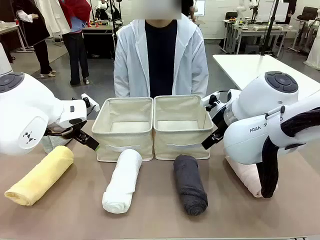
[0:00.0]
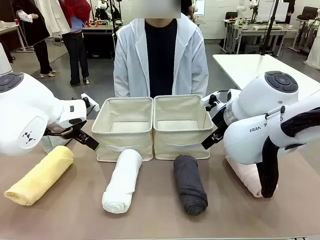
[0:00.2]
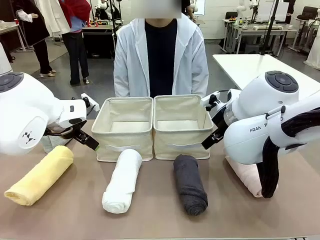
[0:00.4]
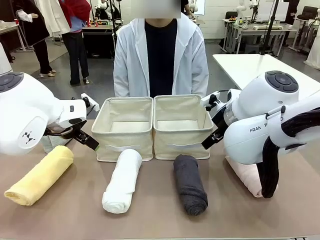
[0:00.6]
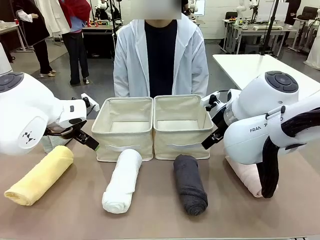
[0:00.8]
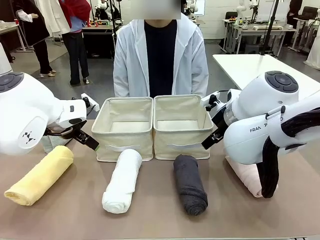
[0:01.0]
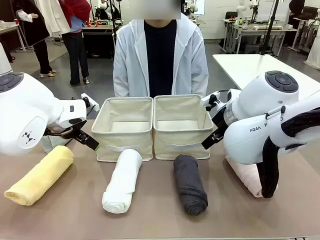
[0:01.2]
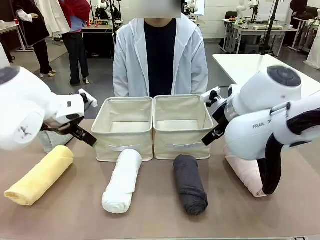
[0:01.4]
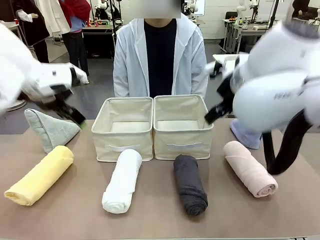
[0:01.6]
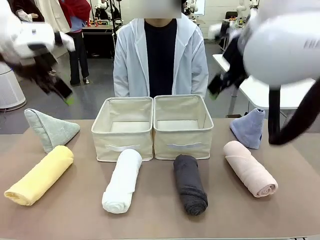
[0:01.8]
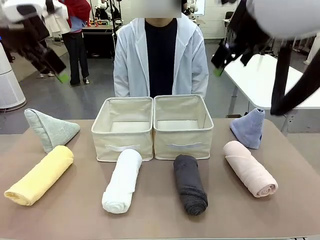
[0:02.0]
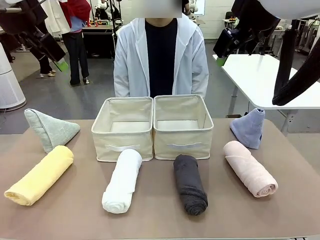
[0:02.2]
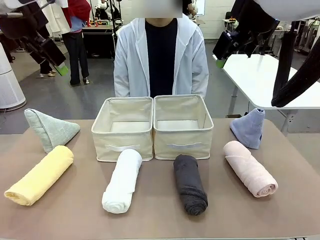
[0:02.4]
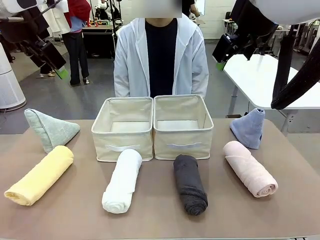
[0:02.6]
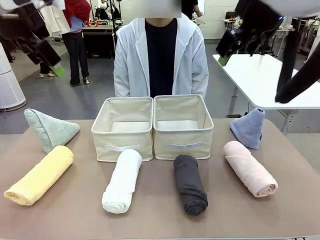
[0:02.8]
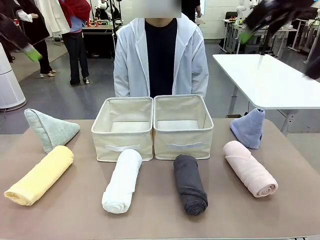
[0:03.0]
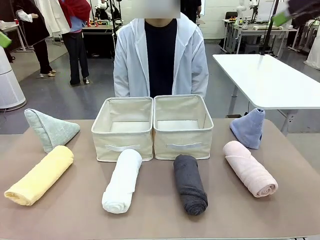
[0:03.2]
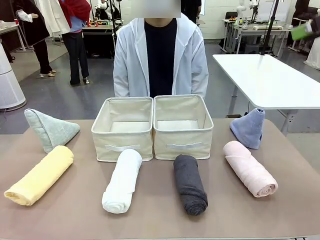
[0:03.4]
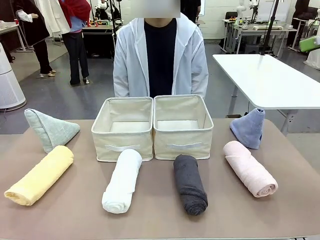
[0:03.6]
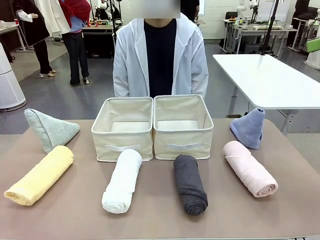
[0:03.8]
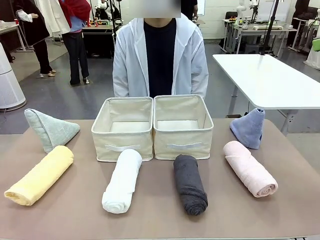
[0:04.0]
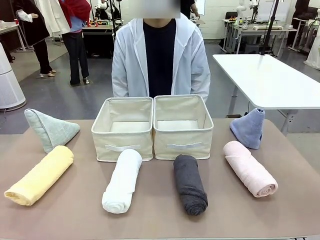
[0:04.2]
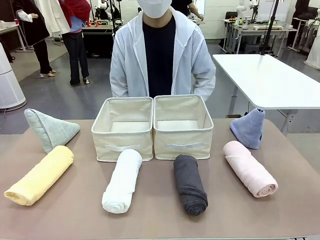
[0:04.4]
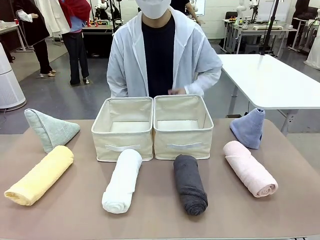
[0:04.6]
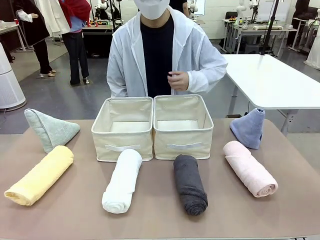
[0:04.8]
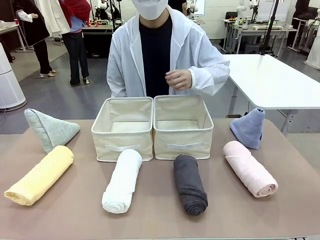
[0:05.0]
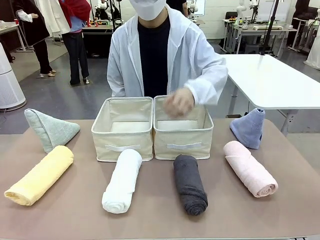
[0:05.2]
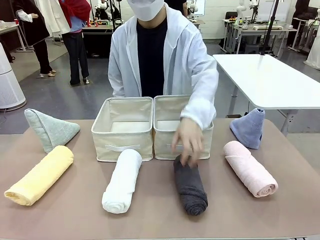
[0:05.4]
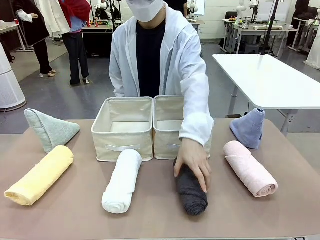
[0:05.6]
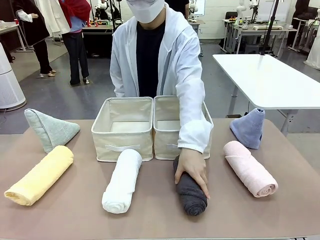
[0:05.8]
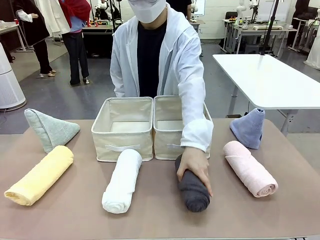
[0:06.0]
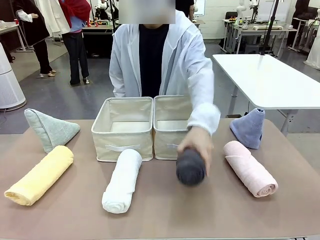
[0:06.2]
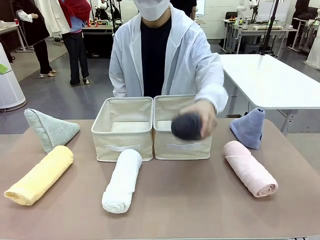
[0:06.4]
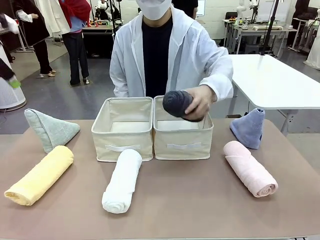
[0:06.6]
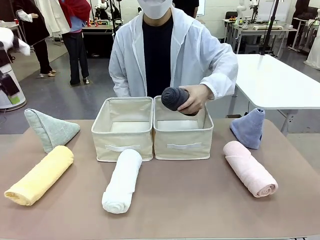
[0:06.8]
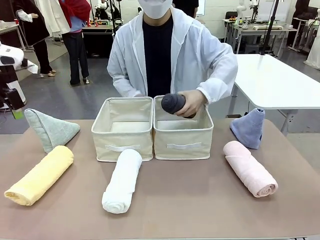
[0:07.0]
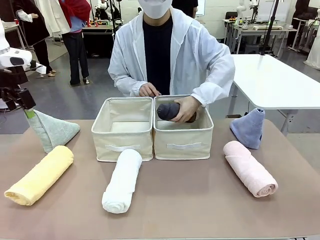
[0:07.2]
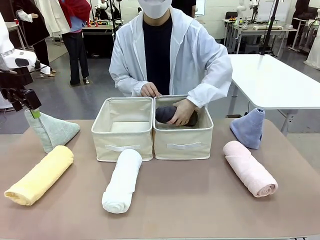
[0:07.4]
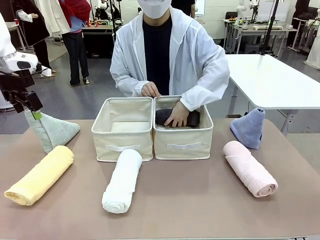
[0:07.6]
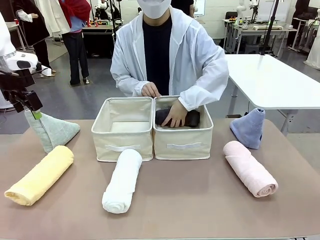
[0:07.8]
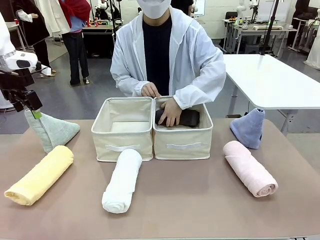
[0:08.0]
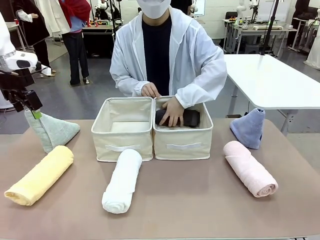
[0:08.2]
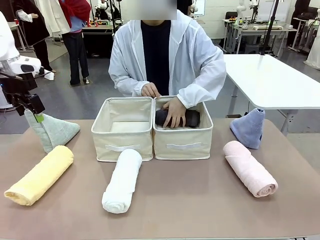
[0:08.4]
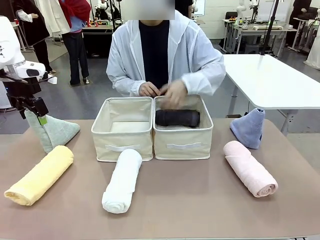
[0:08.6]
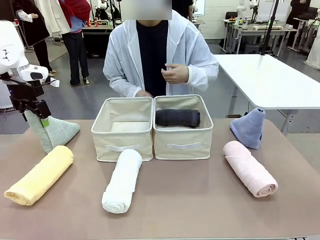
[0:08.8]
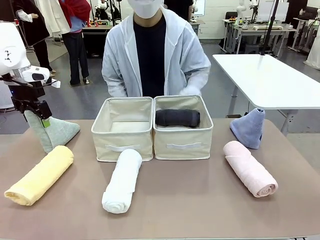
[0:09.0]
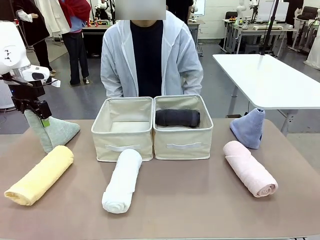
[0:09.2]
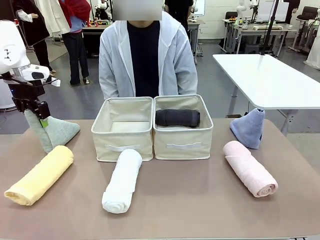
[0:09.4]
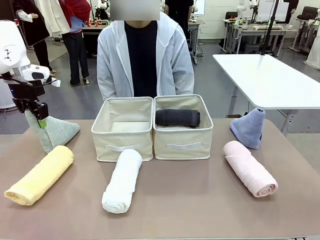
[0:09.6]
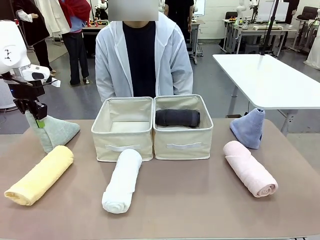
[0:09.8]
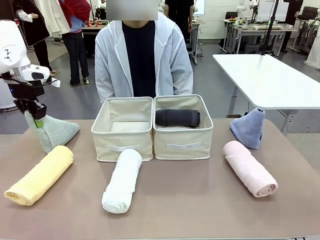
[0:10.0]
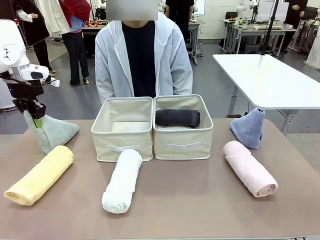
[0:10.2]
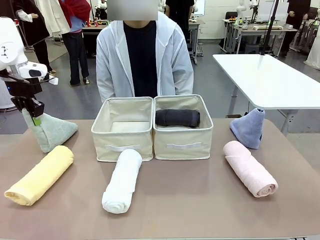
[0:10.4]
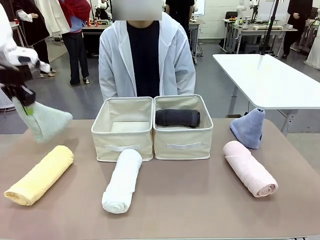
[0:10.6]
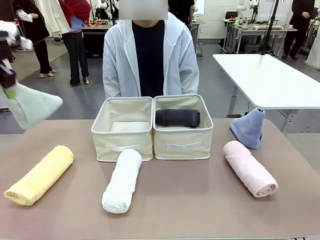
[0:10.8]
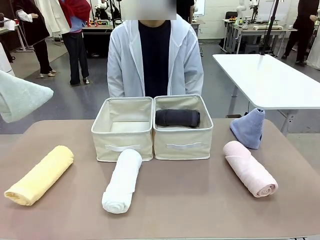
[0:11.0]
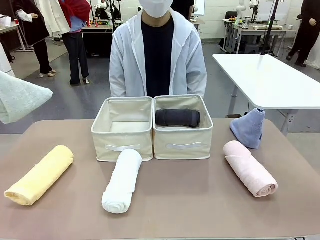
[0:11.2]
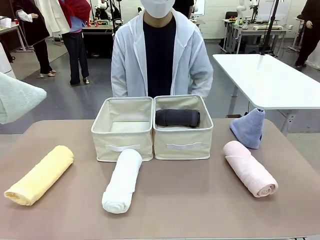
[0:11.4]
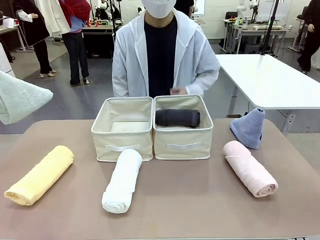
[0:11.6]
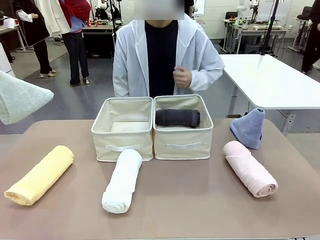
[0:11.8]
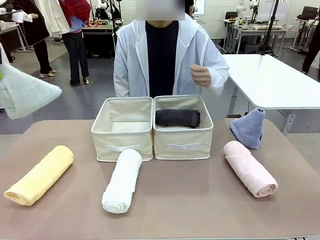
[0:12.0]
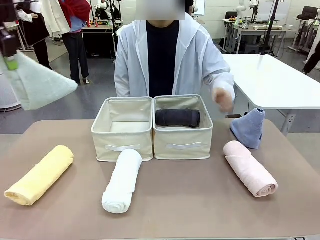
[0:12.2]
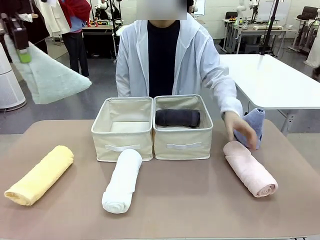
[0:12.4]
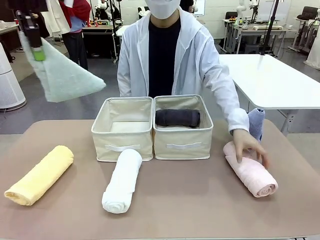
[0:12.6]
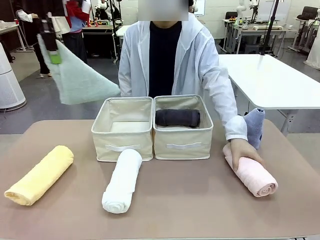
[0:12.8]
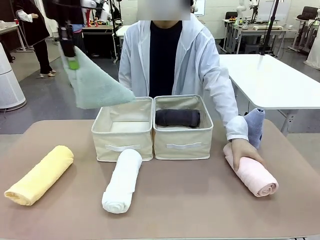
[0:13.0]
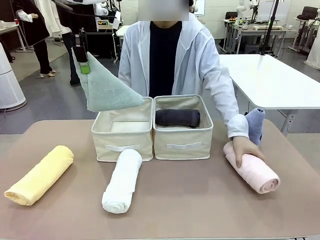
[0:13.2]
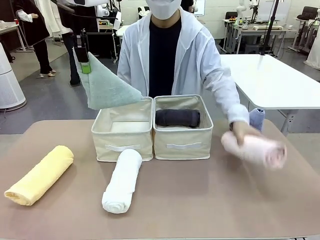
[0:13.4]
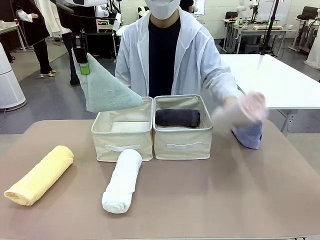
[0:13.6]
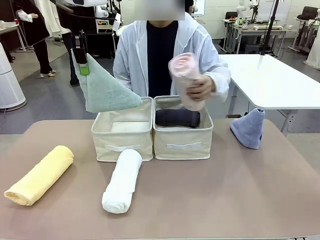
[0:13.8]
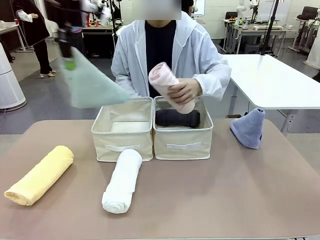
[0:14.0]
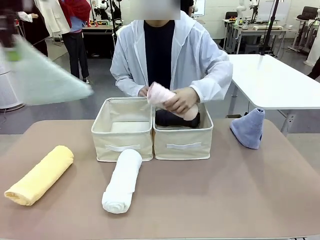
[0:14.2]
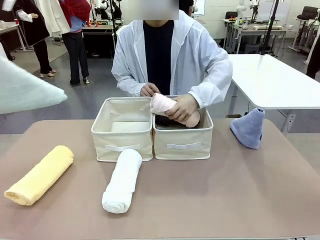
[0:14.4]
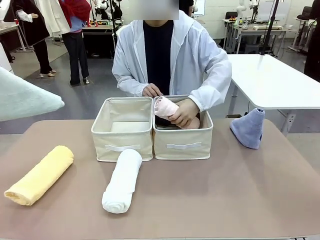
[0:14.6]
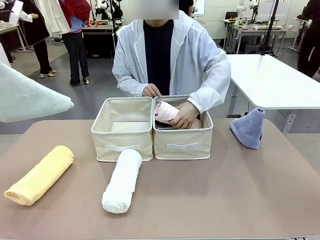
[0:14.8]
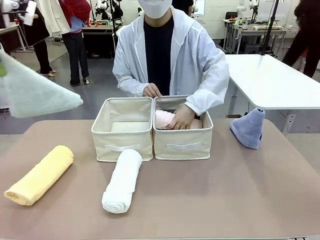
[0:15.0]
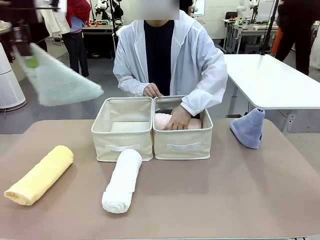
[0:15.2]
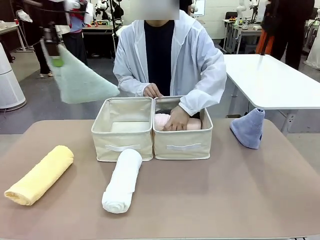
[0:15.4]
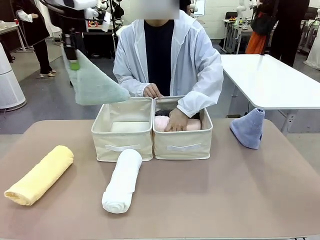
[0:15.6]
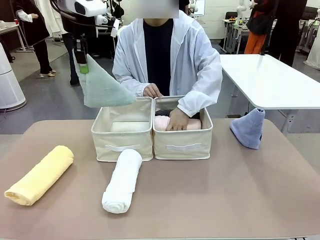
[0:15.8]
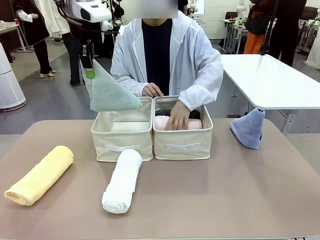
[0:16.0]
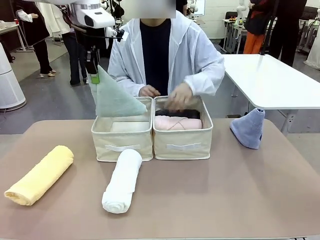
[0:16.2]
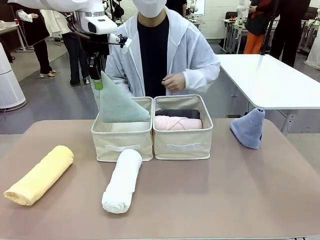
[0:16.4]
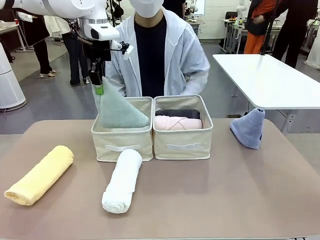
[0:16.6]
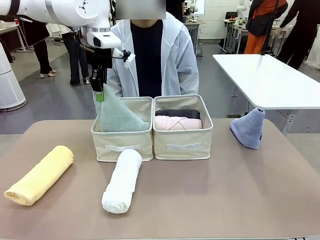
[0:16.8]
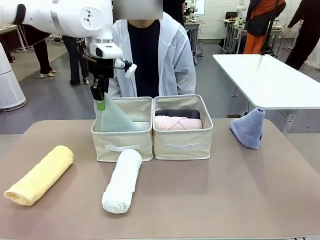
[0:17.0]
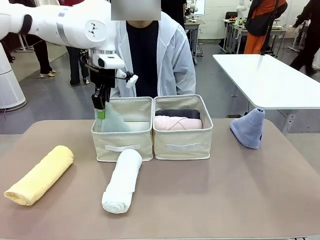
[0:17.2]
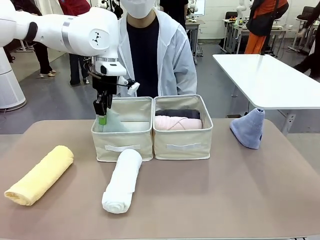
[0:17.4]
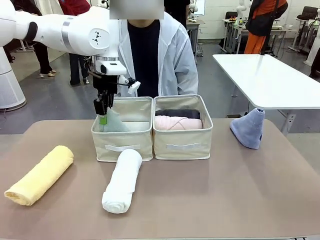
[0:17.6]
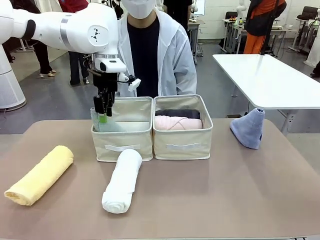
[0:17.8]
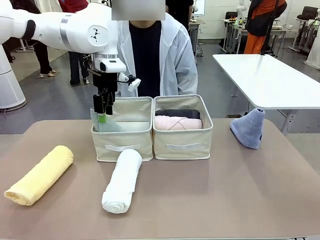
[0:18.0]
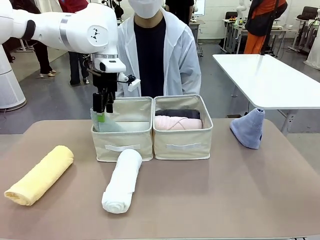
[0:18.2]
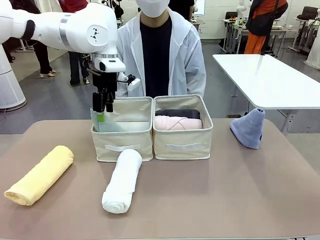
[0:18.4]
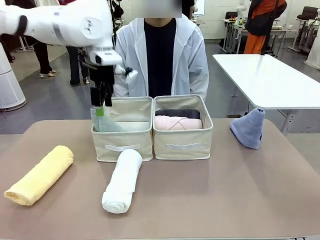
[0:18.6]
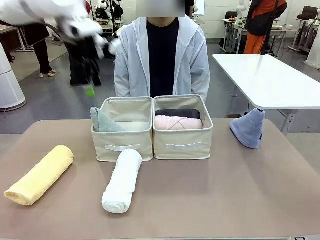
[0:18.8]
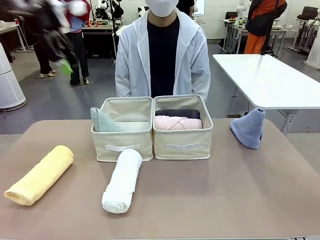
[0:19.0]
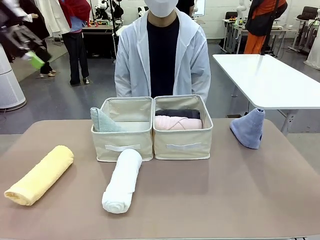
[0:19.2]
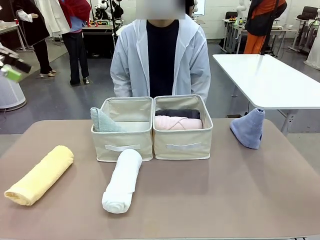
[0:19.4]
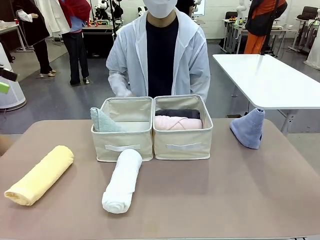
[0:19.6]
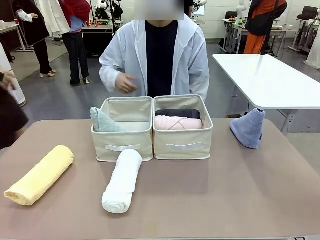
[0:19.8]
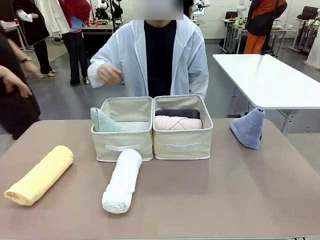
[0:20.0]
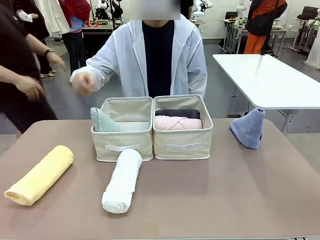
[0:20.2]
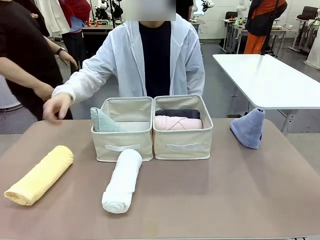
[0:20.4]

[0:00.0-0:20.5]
Task: Sort the towels based on their folding style.
Robot: Pick up one triangle-folded towel and place it in the left Fabric basket.
Person: Pick up one hotel-style rolled towel and place it in the left fabric basket.
